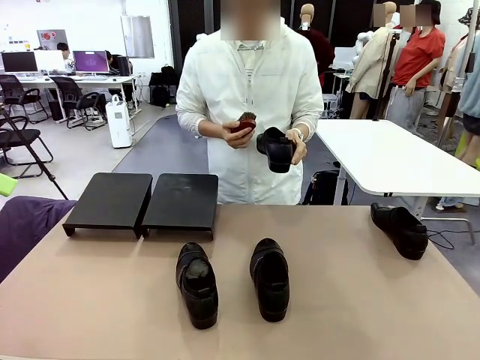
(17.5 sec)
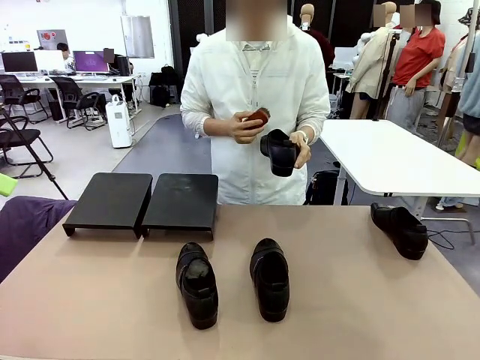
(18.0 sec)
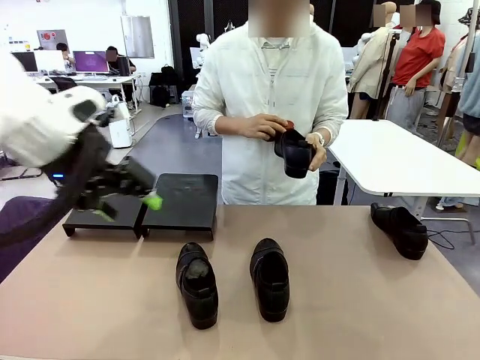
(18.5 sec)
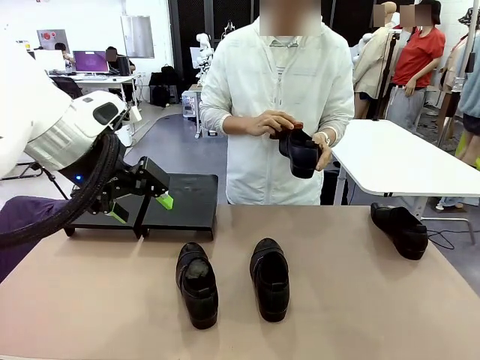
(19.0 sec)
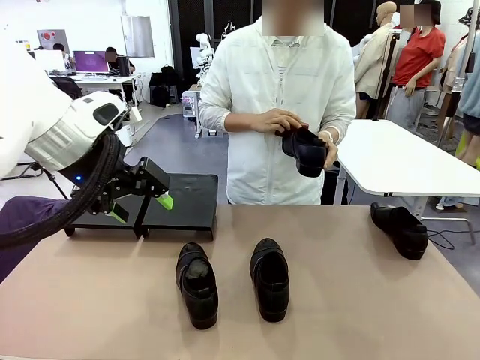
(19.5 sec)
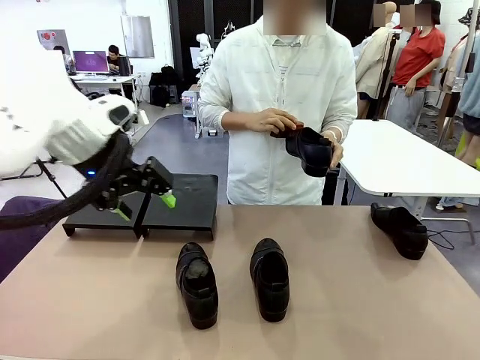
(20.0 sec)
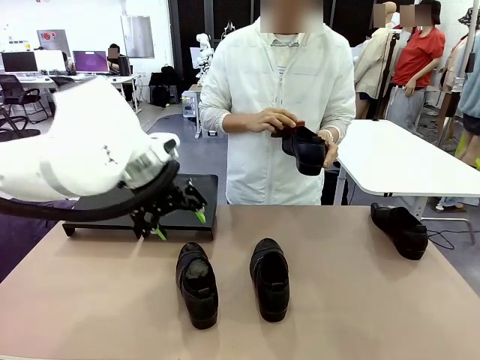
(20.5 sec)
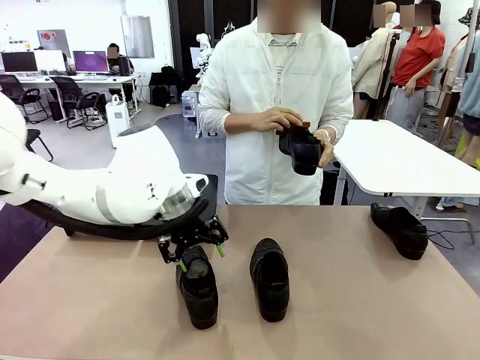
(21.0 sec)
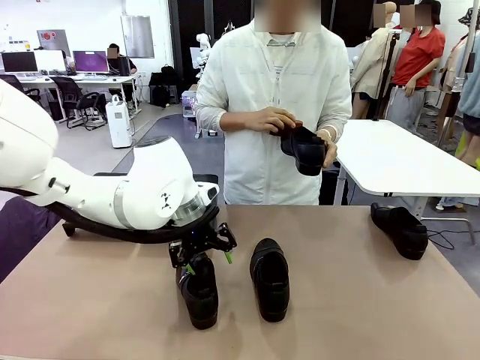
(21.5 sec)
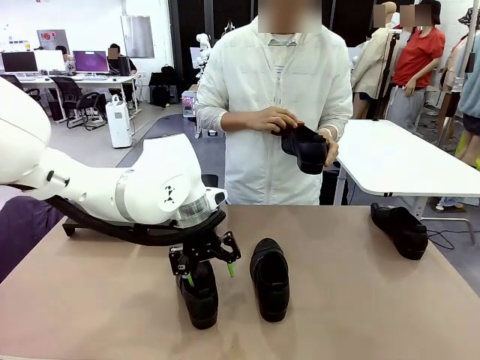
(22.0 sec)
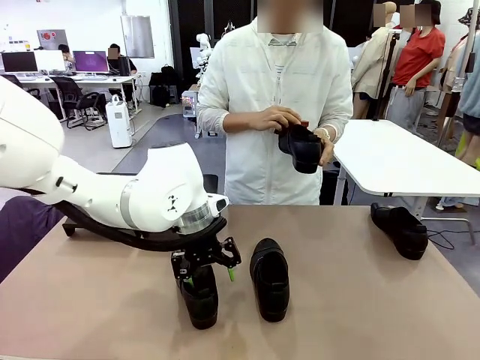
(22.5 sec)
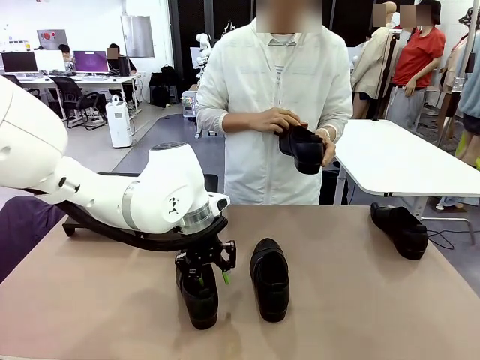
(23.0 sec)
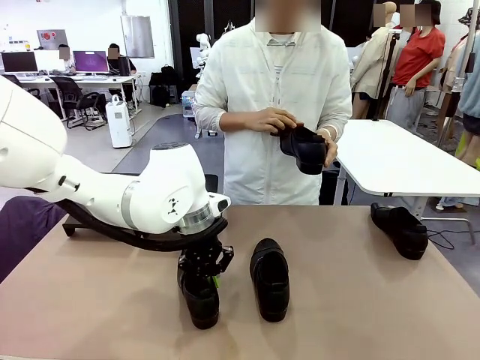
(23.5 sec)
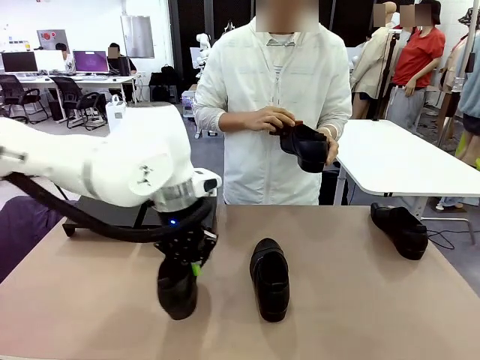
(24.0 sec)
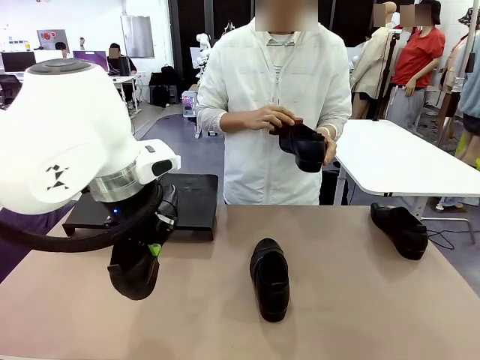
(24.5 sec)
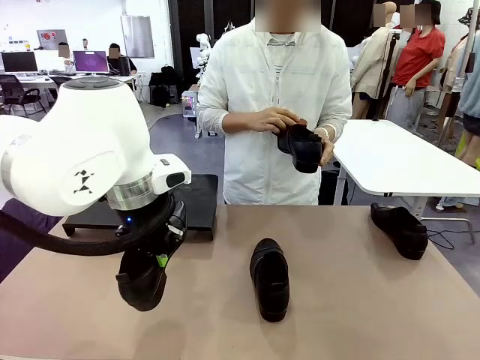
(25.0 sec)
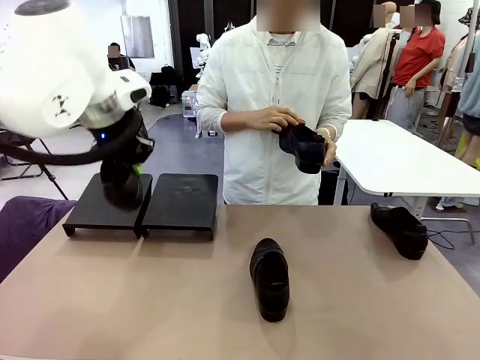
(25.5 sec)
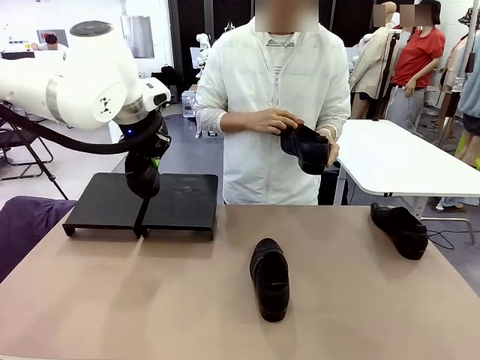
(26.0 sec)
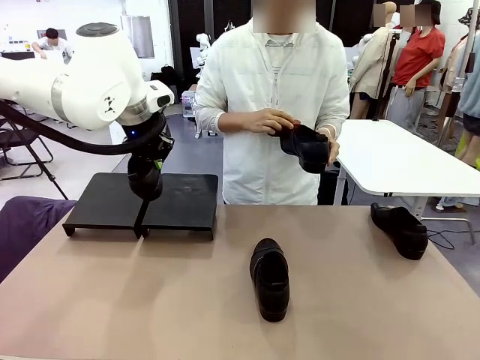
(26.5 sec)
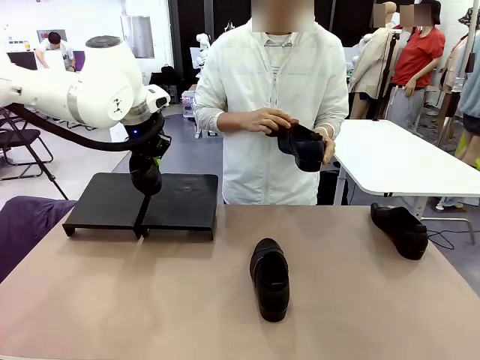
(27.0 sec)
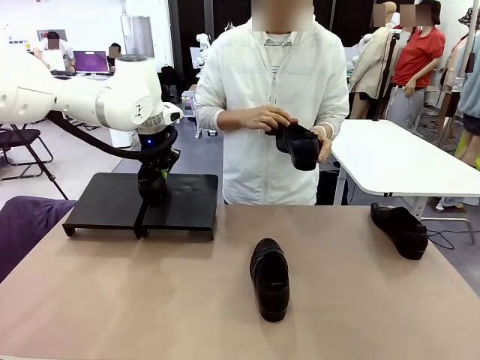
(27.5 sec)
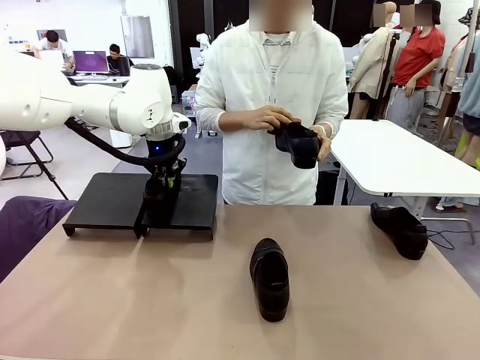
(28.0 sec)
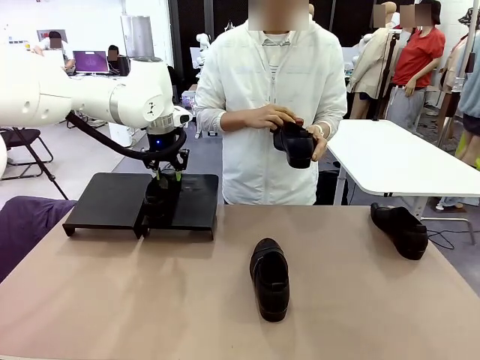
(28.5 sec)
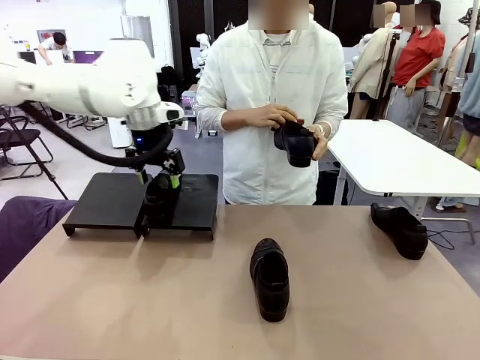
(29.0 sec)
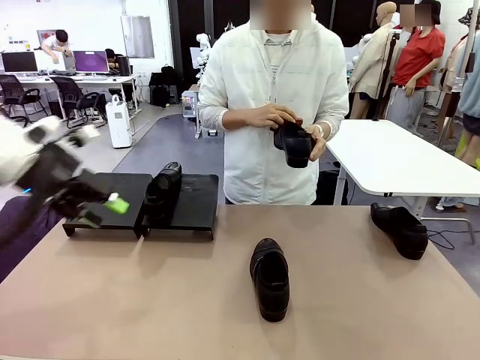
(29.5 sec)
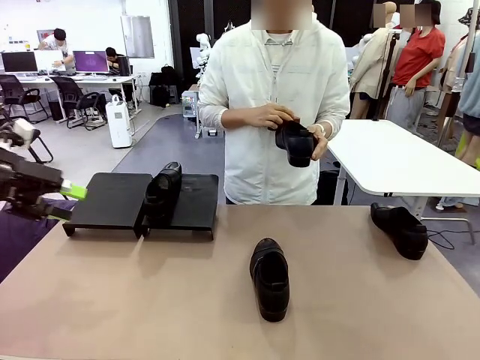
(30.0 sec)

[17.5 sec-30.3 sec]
Task: Organize the shoes by placing them on the stand.
Robot: Place the Shoe from the middle of the table onto the Shoes Stand.
Person: Clean the Shoe with the Shoe Brush.

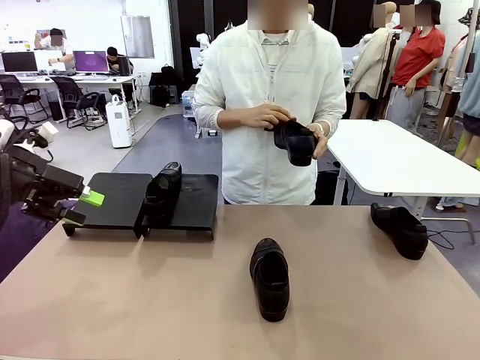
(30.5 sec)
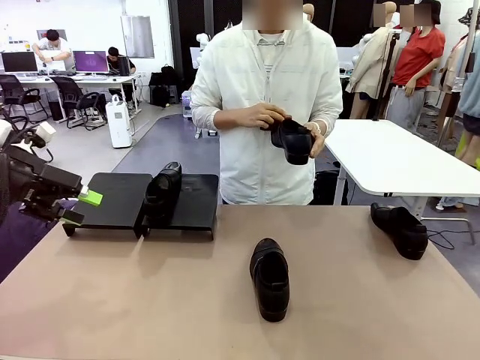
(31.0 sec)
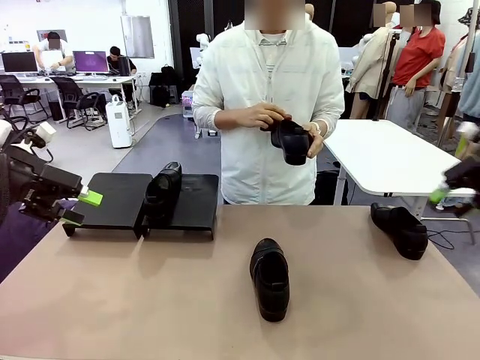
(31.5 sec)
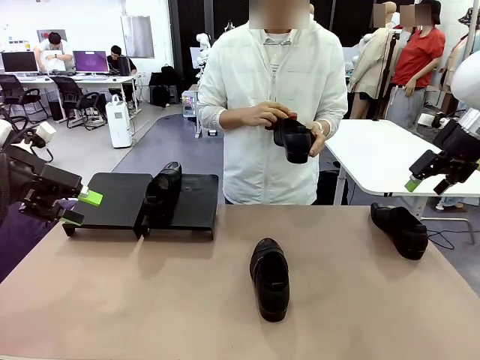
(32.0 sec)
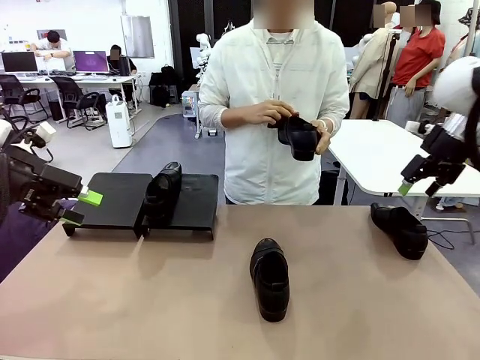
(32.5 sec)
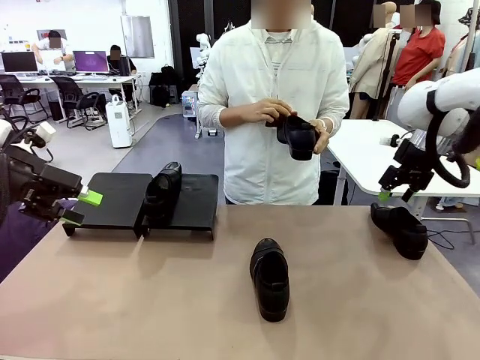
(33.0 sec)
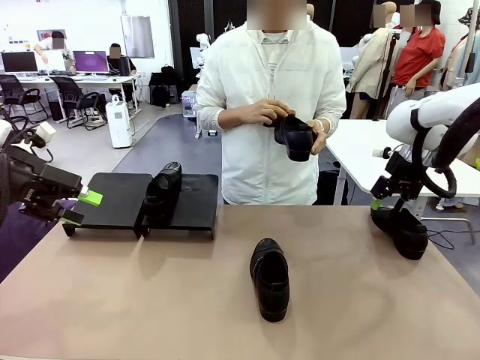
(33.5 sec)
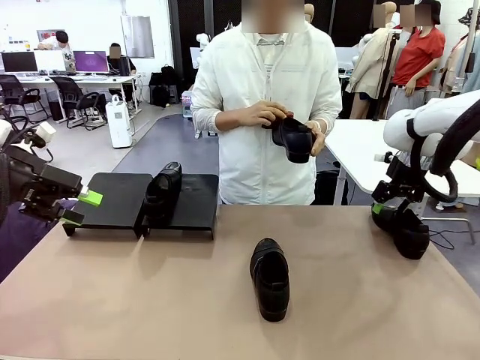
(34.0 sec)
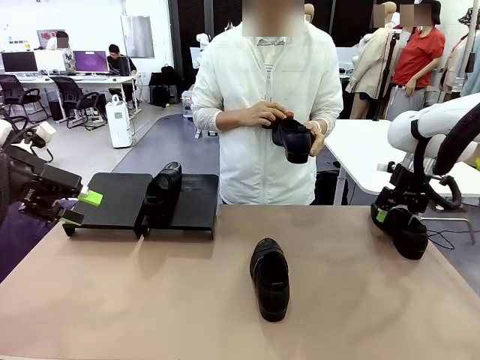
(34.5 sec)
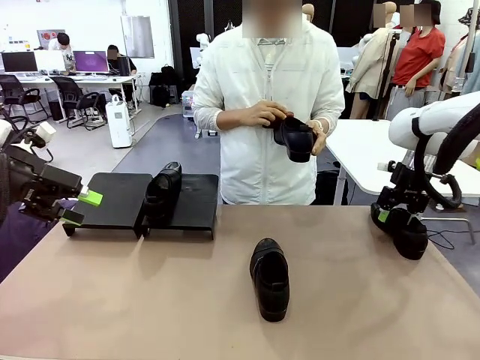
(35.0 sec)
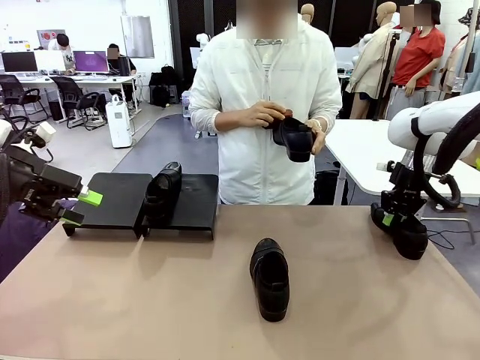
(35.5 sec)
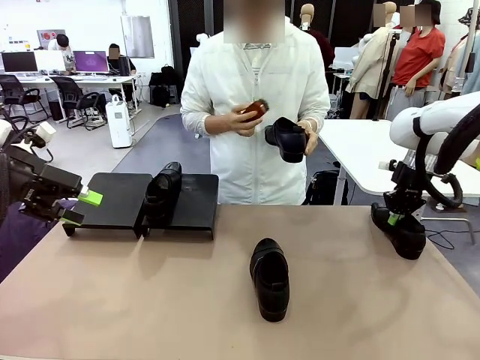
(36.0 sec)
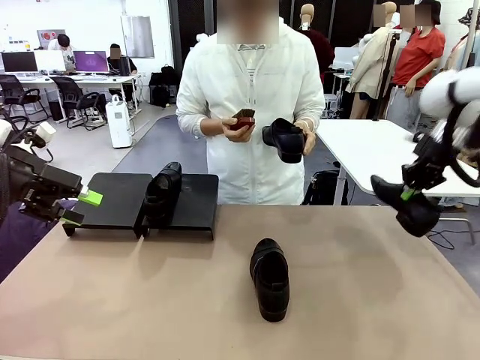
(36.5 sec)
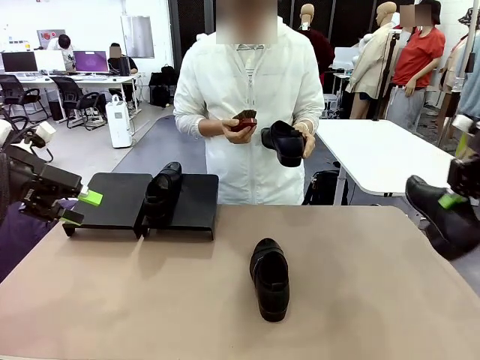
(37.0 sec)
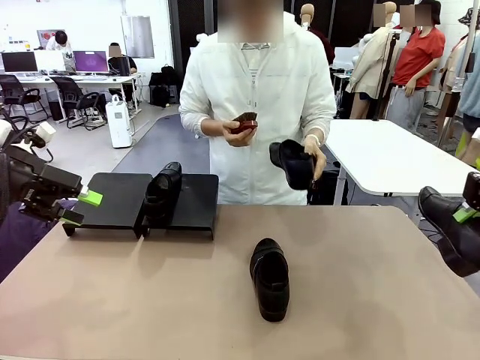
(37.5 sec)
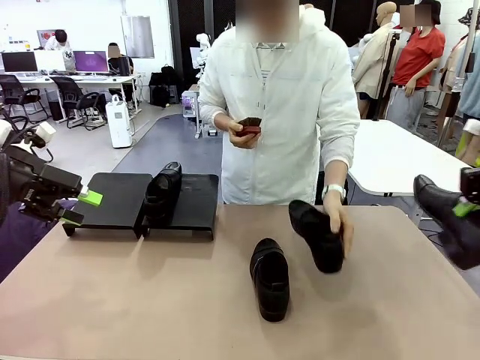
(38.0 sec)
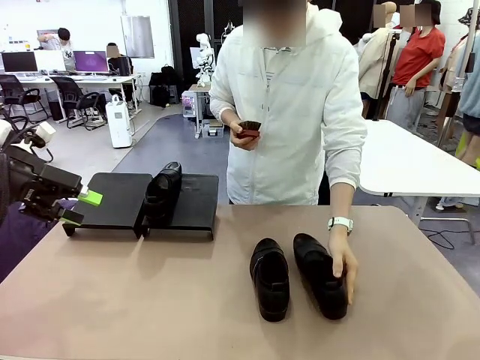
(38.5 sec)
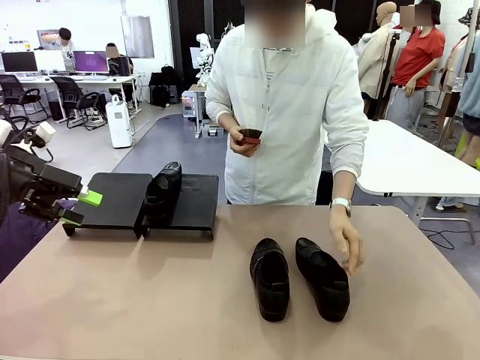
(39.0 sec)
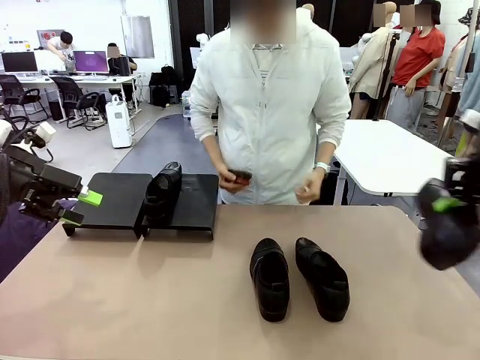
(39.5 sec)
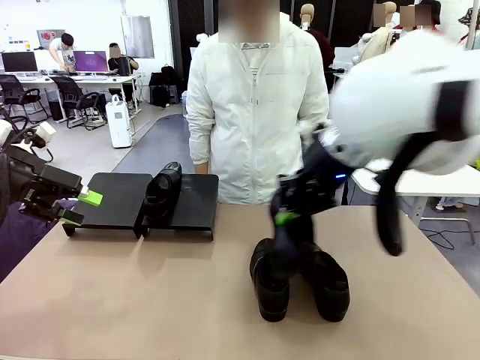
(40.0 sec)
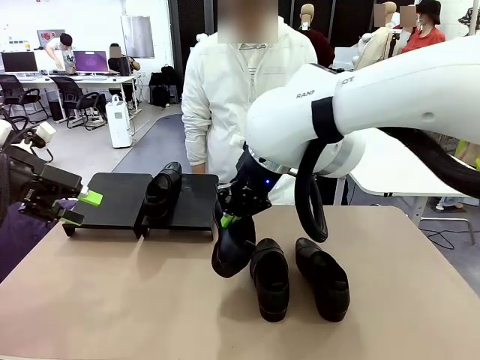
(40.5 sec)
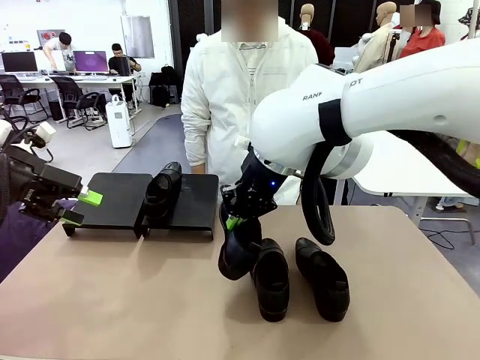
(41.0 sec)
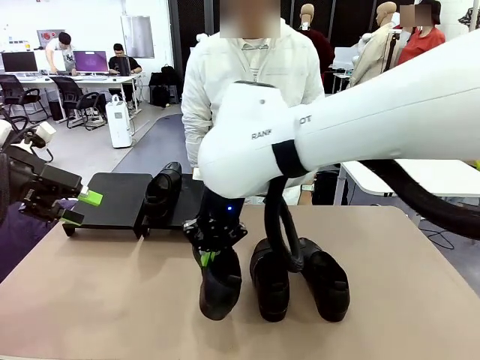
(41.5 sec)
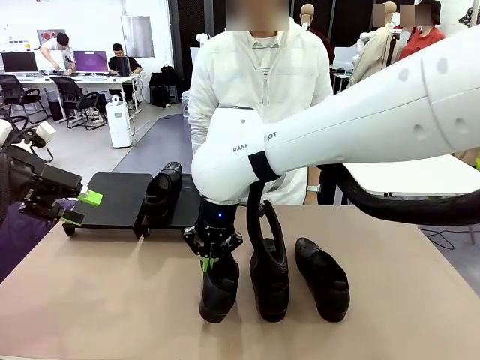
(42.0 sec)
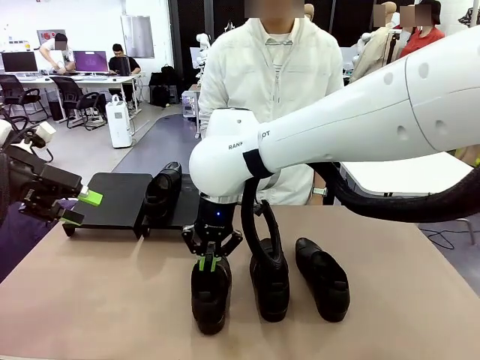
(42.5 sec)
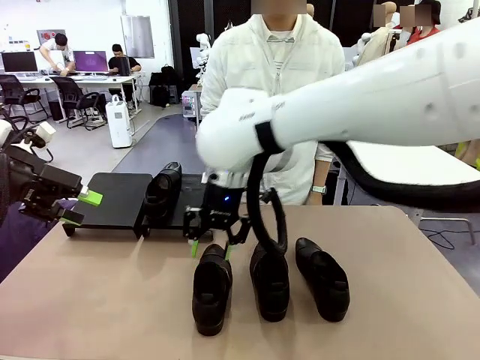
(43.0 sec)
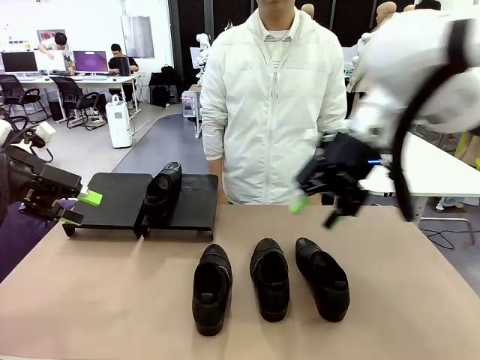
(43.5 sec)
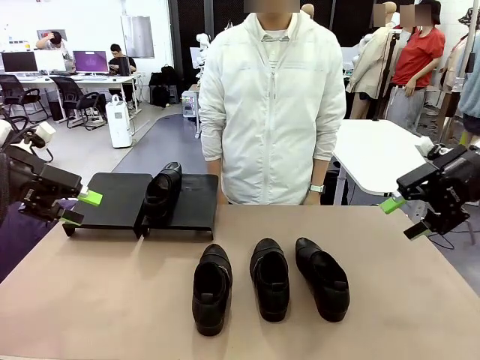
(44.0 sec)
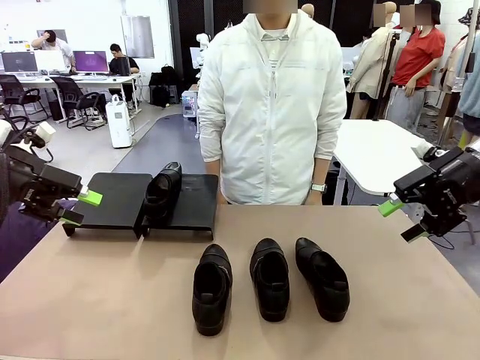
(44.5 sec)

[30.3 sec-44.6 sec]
Robot: Pick up one Shoe and place it in the middle of the table.
